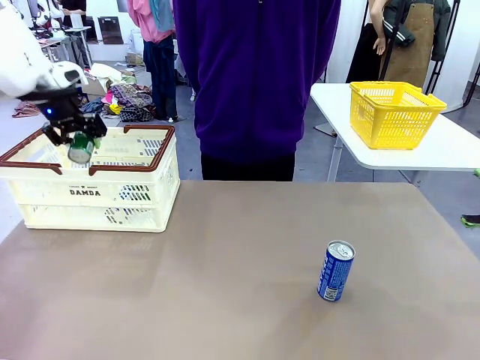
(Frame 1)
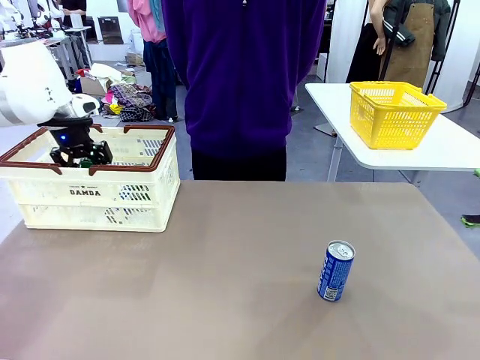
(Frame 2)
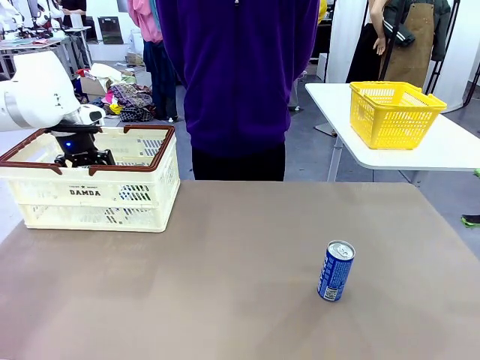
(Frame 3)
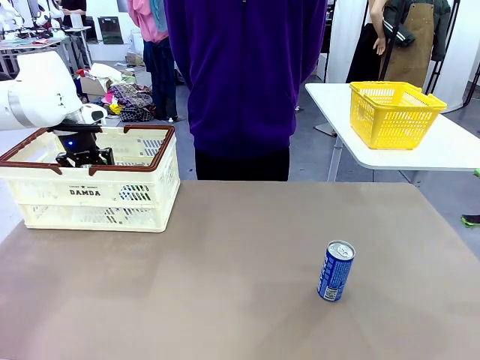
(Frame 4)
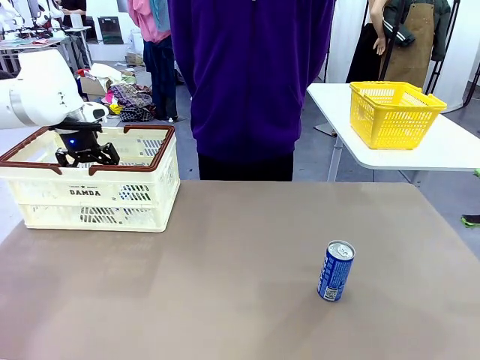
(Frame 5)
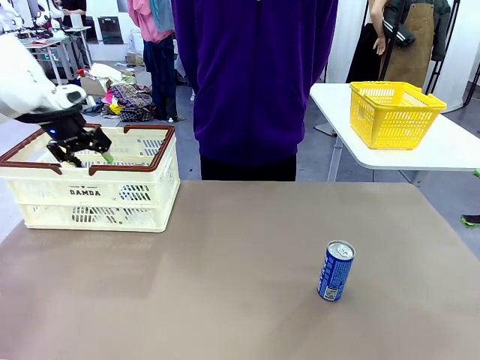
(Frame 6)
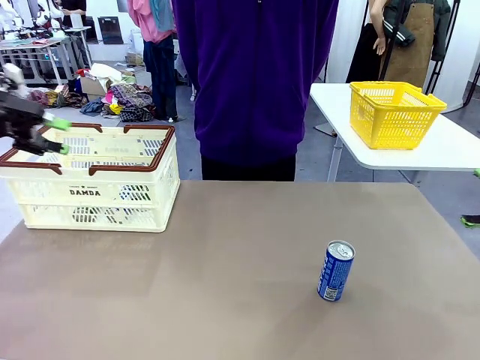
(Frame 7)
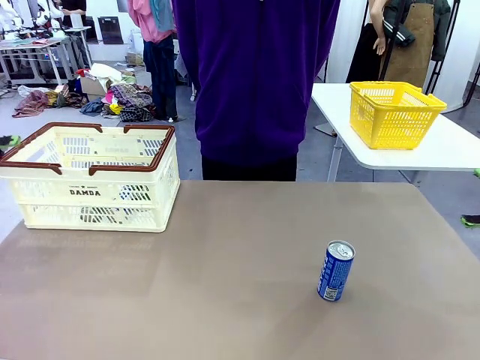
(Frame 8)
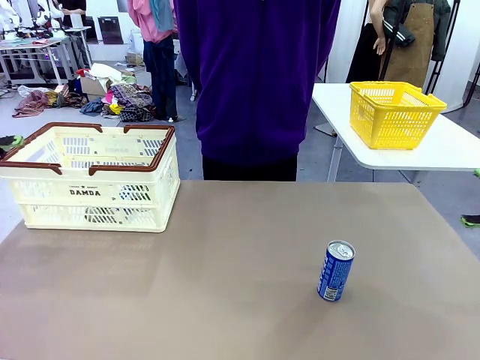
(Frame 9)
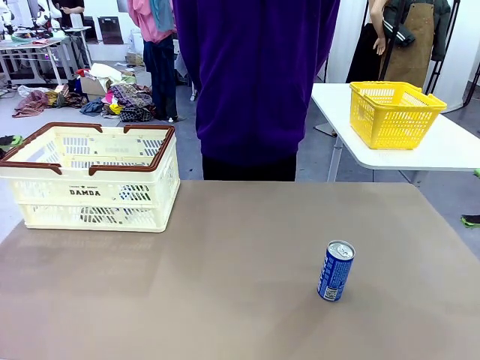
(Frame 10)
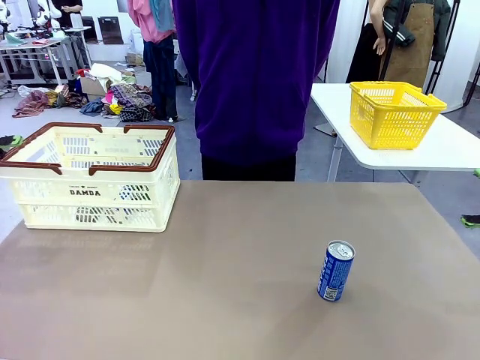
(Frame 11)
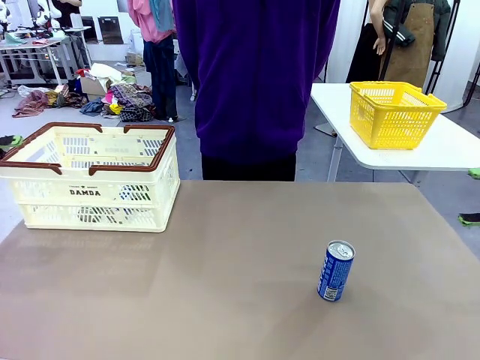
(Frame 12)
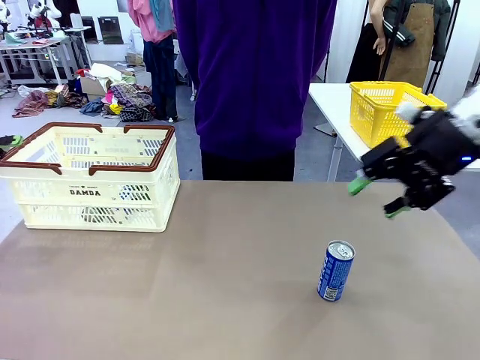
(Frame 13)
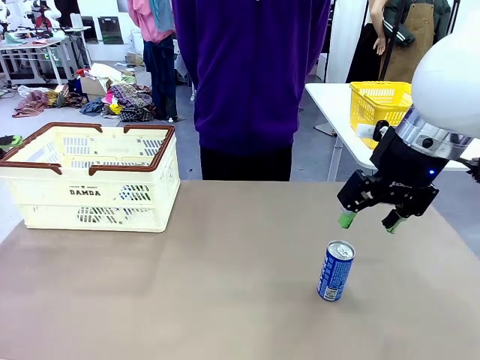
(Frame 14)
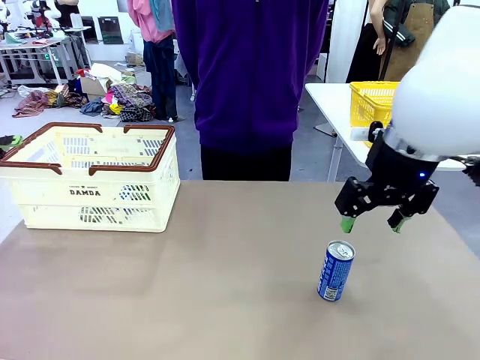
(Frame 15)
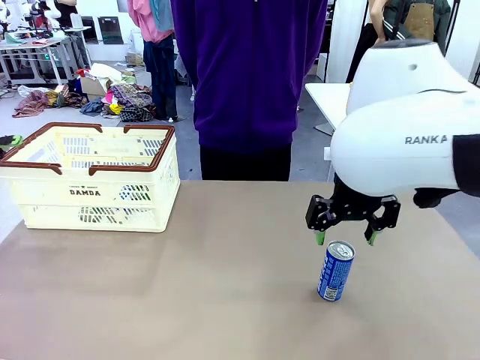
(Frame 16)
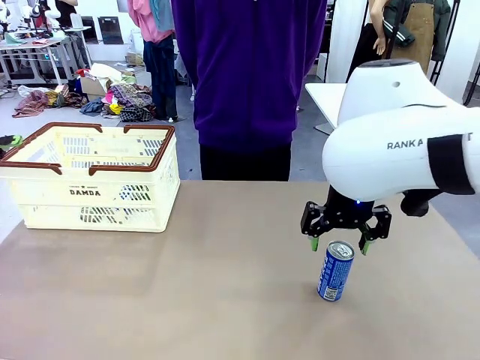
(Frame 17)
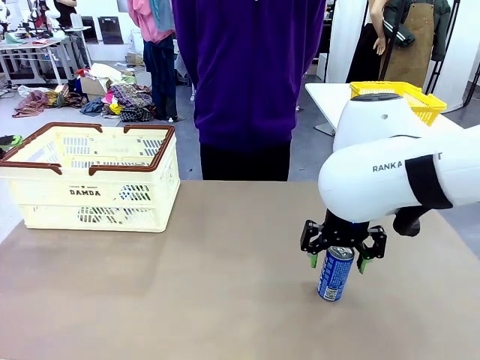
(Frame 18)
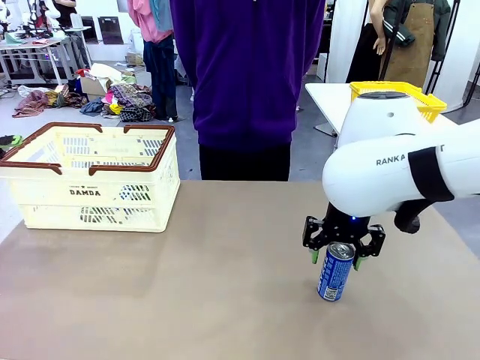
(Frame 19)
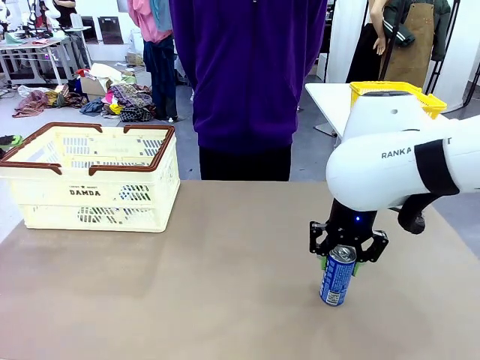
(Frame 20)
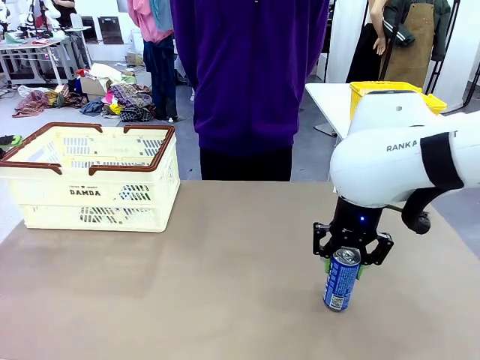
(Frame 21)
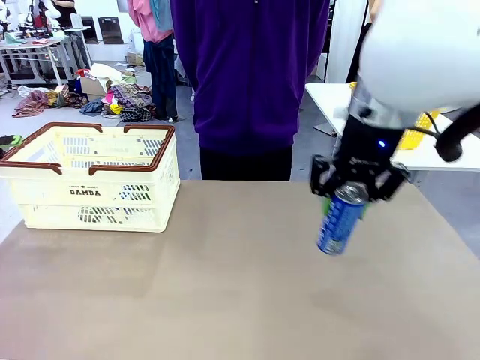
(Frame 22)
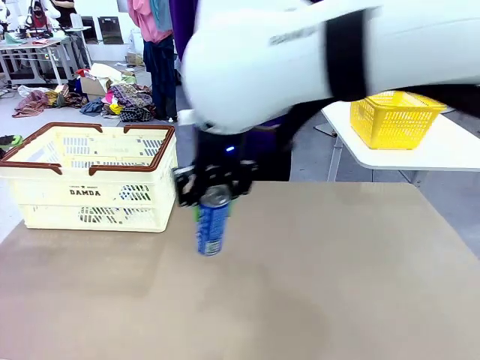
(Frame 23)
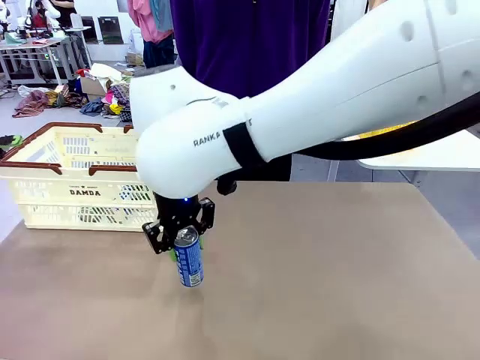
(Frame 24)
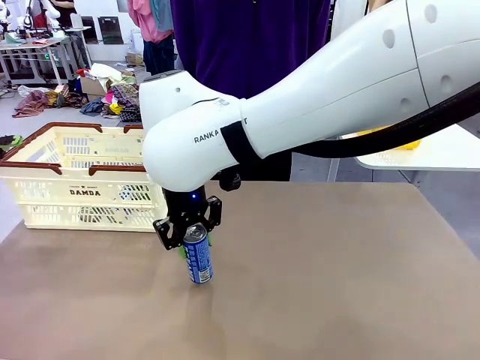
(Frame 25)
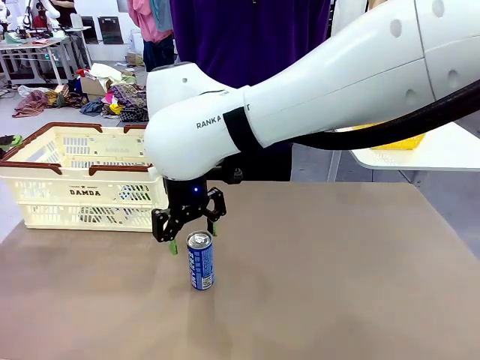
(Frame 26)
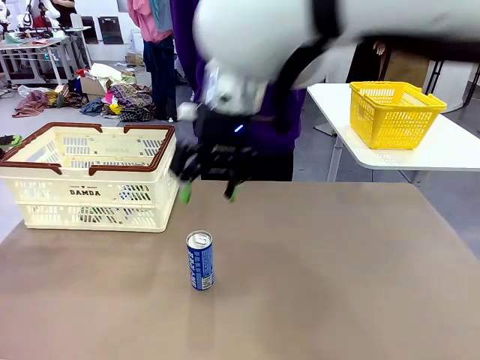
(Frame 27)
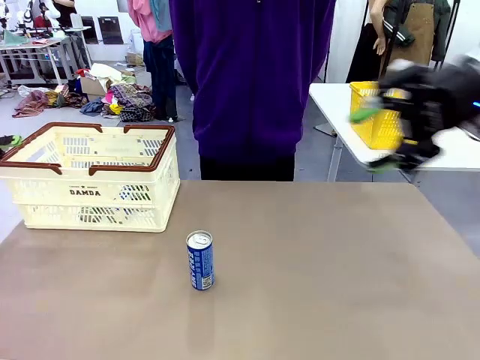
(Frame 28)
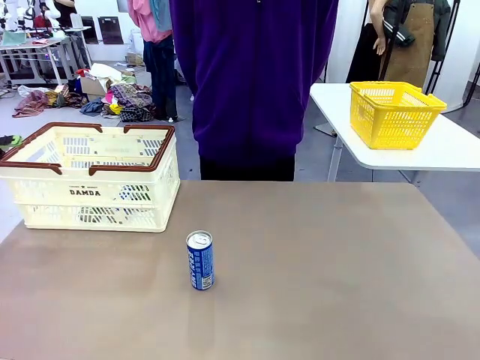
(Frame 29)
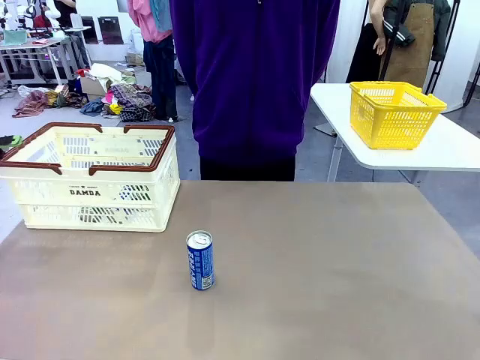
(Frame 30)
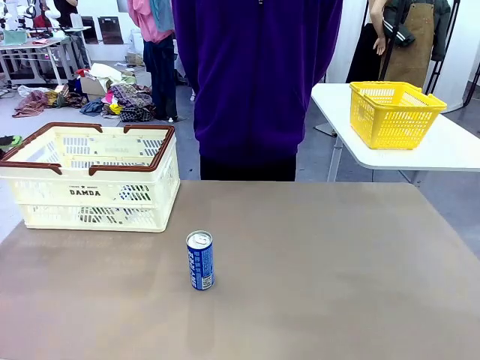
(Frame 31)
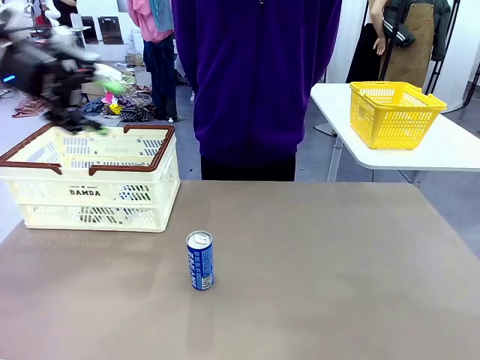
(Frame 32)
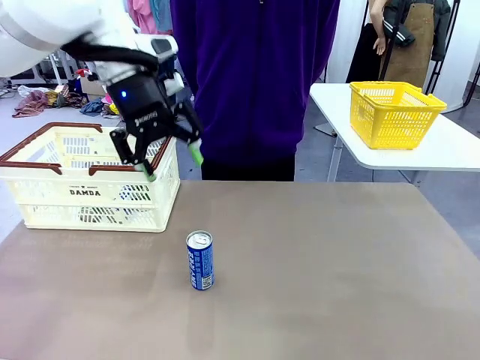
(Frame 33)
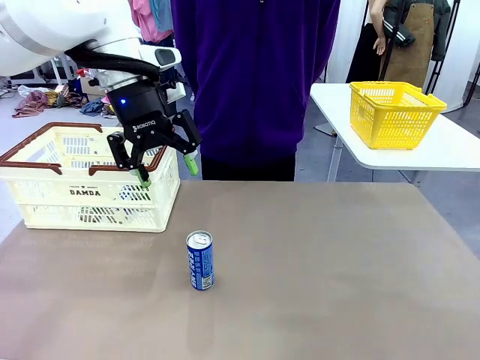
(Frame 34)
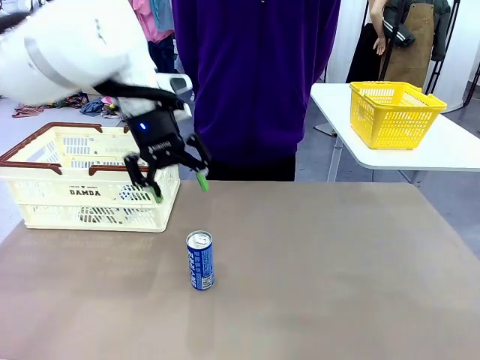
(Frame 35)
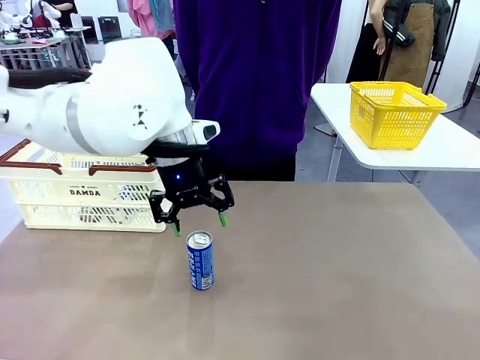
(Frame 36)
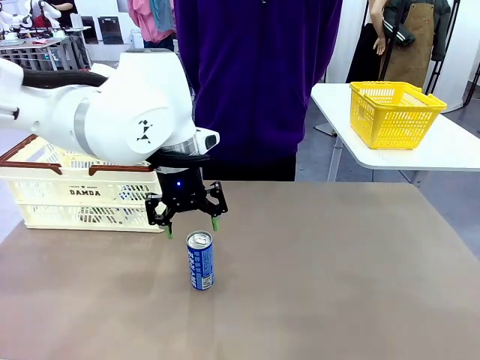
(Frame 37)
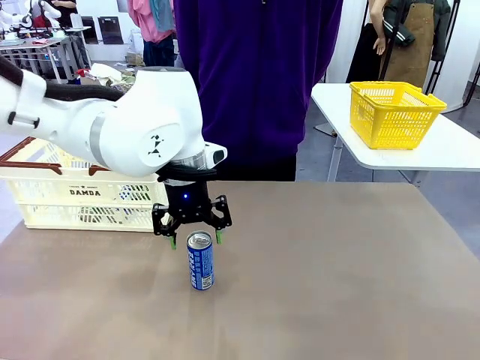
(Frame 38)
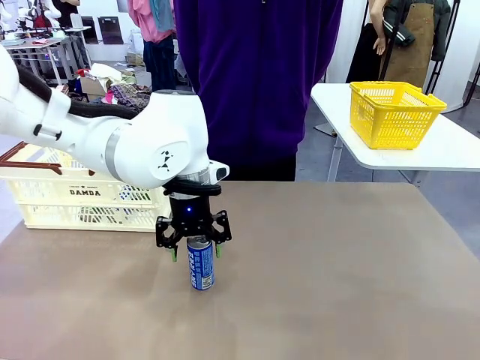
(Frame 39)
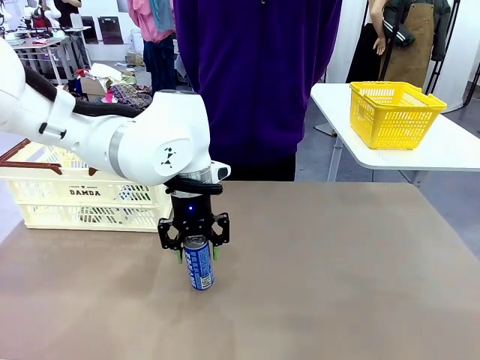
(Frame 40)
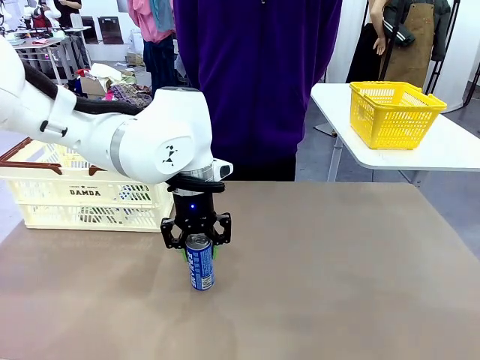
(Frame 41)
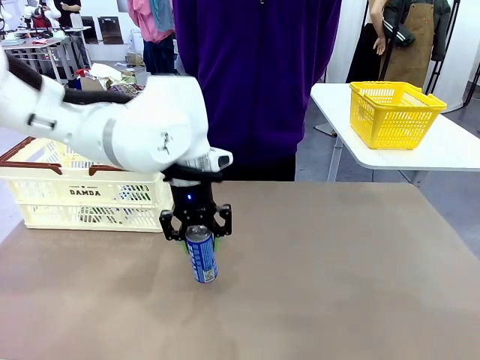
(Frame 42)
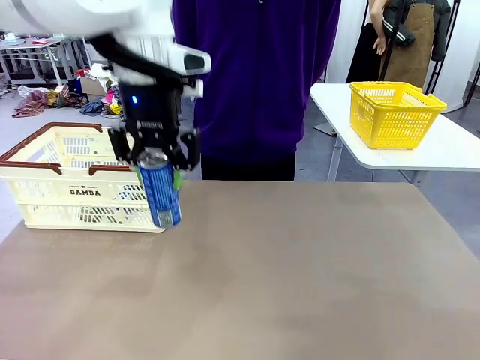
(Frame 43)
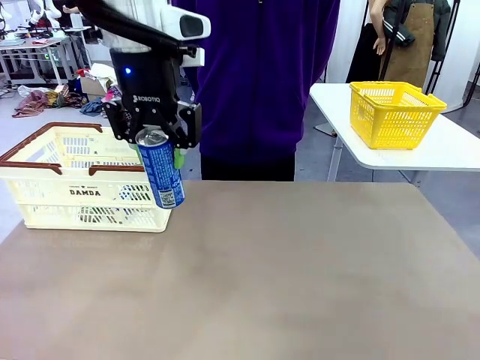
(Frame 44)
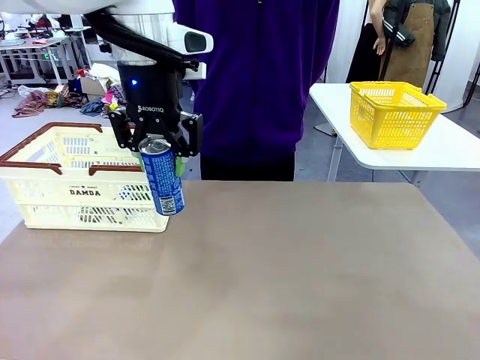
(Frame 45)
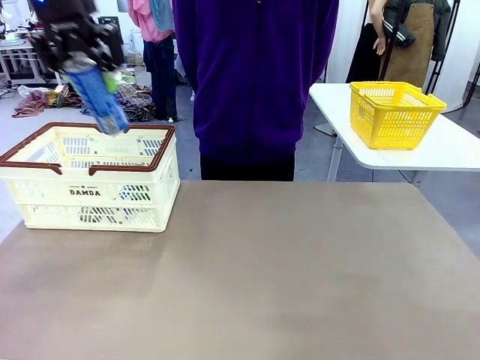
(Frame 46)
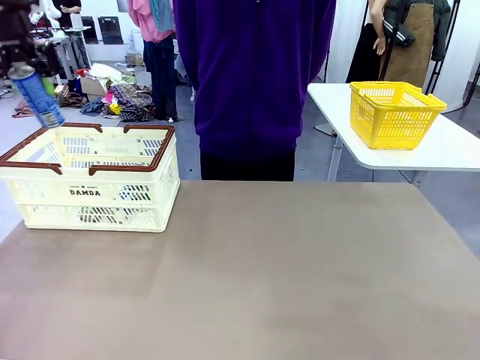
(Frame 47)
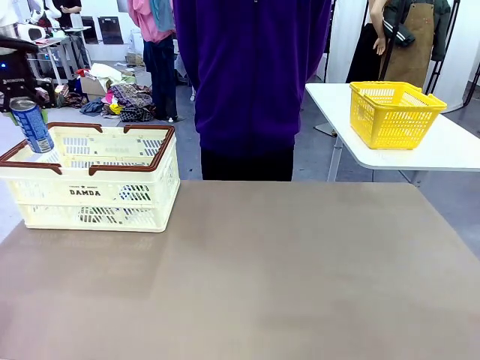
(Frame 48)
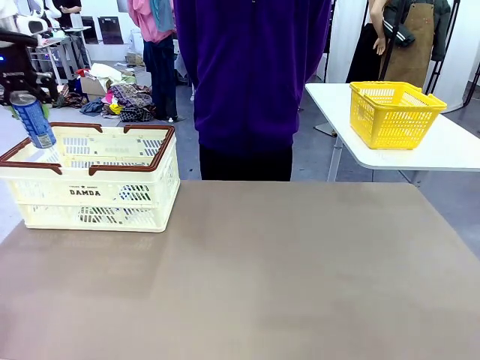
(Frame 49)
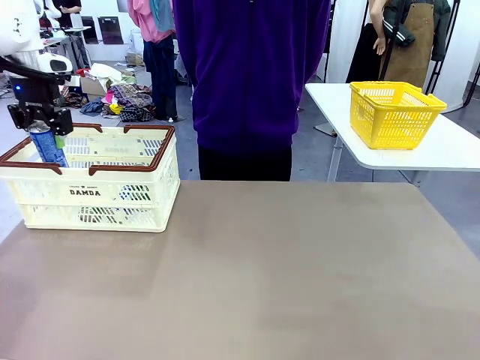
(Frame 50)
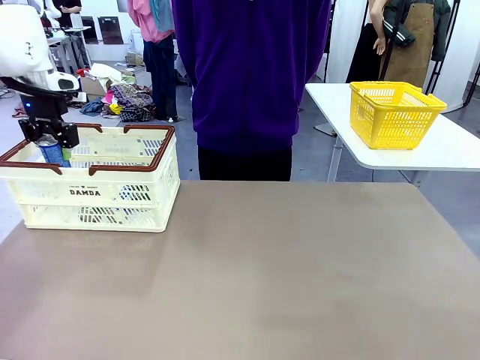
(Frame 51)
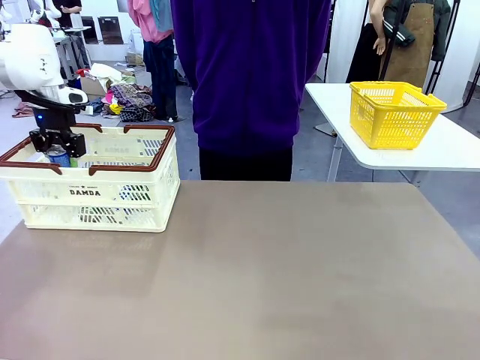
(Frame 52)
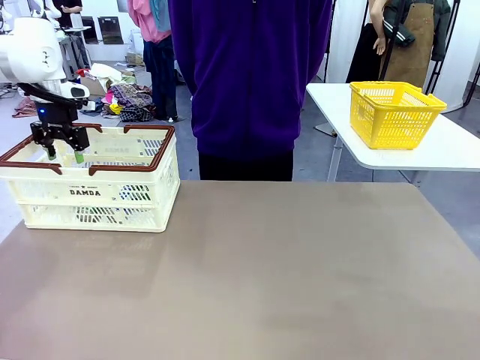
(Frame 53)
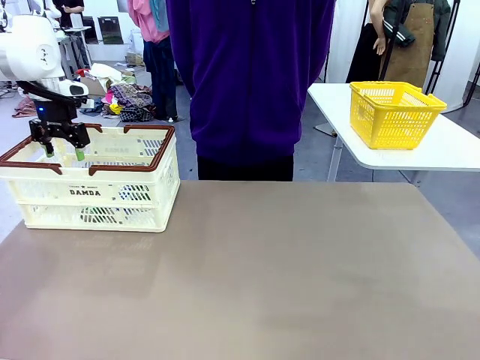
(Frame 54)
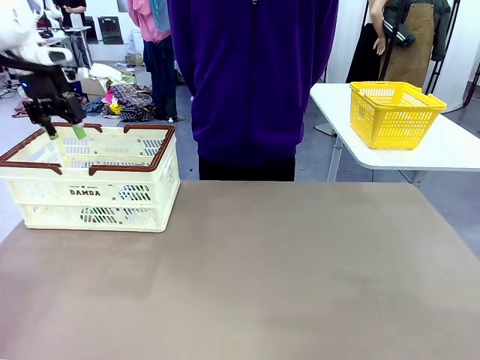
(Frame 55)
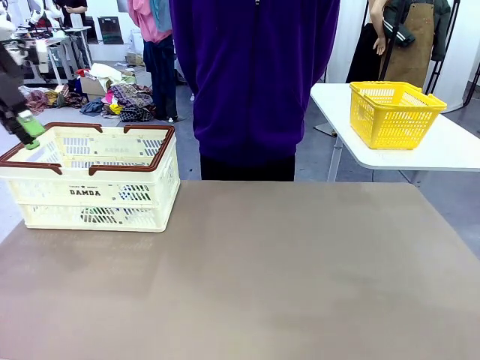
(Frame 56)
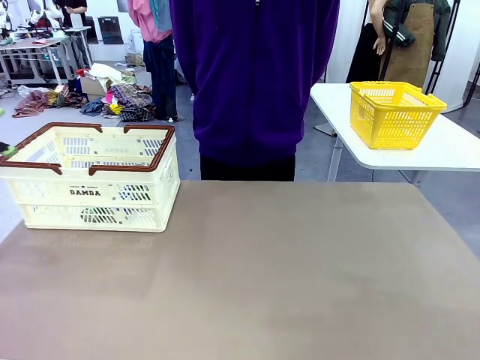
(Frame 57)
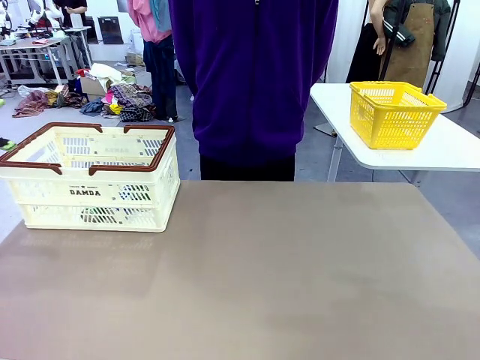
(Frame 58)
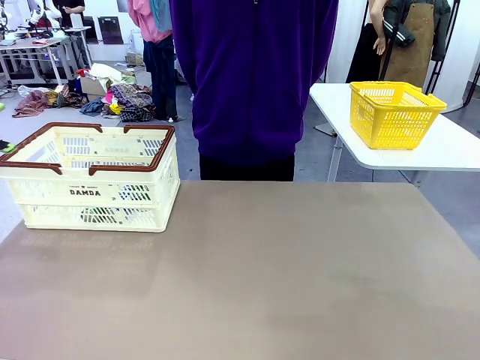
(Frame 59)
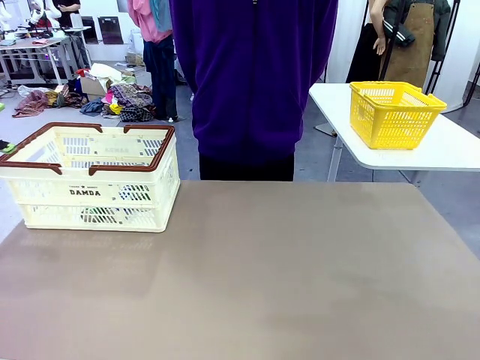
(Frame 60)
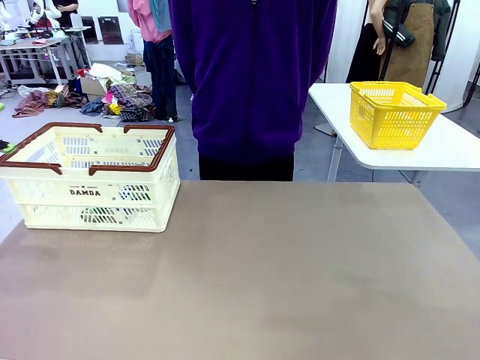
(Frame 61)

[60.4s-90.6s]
Task: Place the drinks into the Shopping basket.
Robot: Pick up one drink and place it into the Shopping basket.
